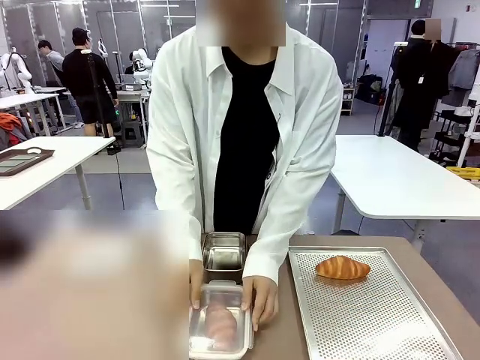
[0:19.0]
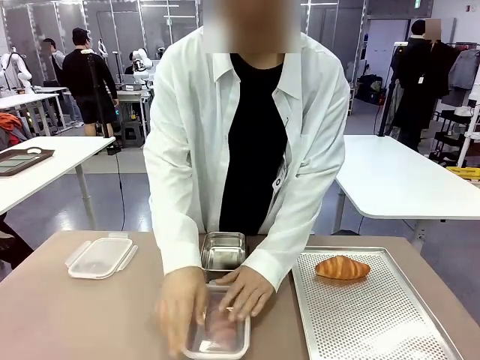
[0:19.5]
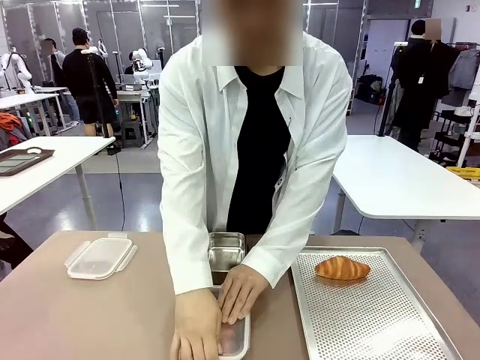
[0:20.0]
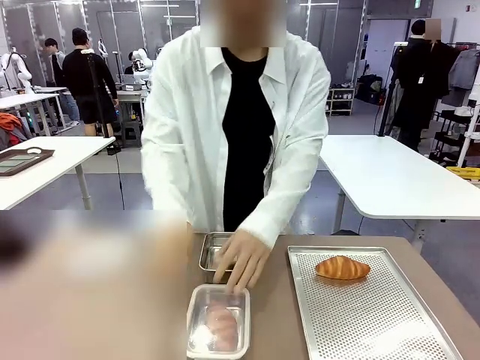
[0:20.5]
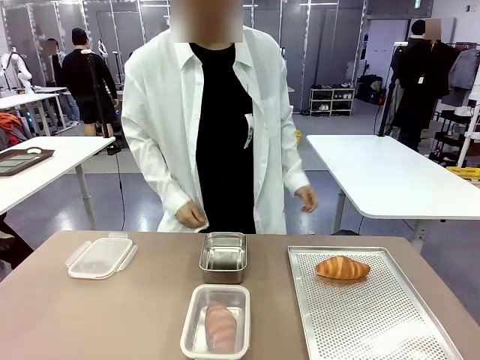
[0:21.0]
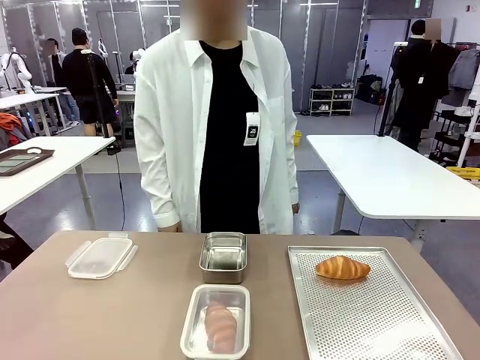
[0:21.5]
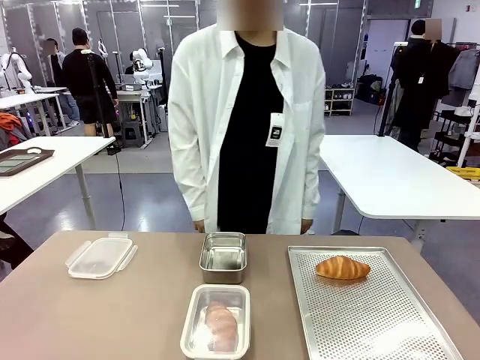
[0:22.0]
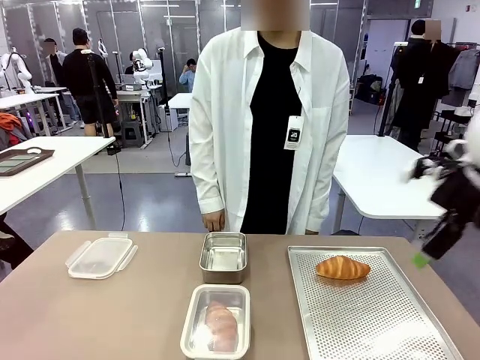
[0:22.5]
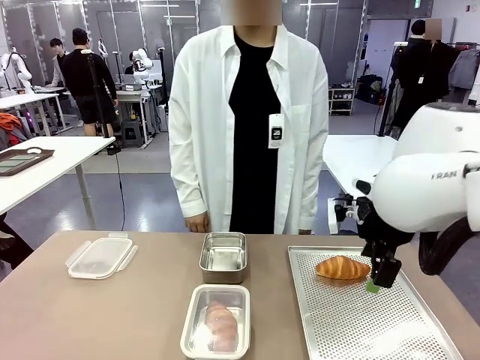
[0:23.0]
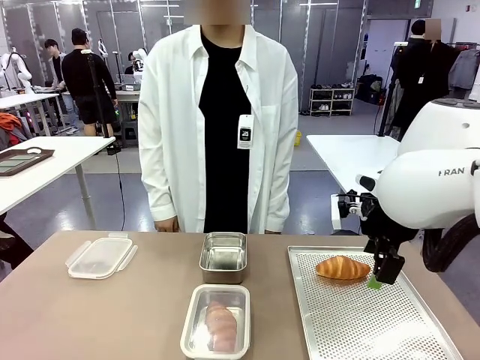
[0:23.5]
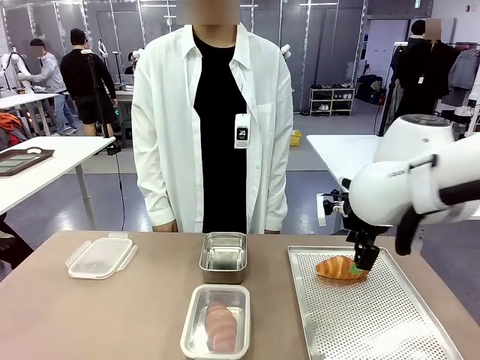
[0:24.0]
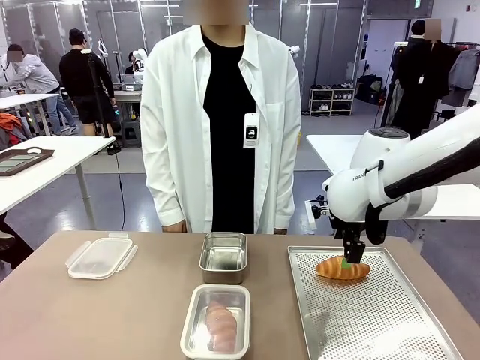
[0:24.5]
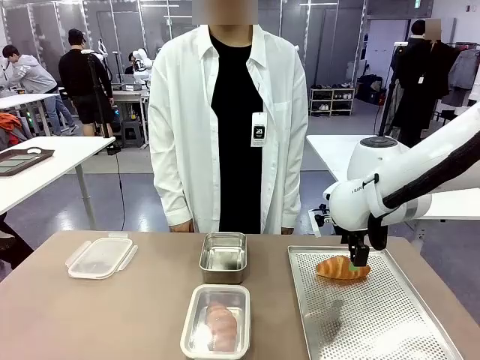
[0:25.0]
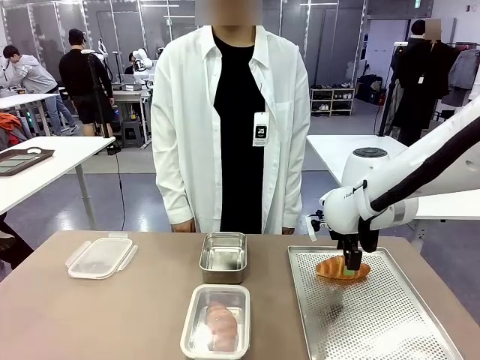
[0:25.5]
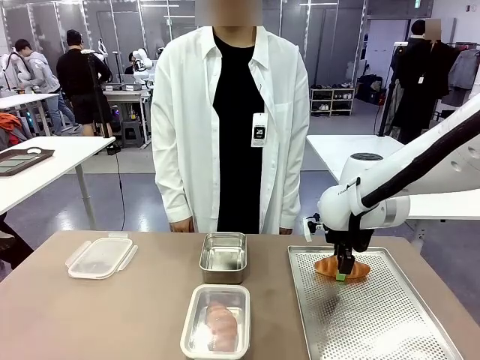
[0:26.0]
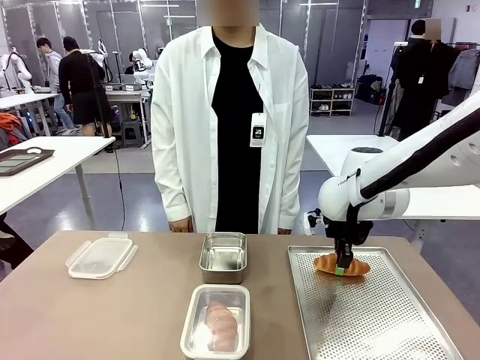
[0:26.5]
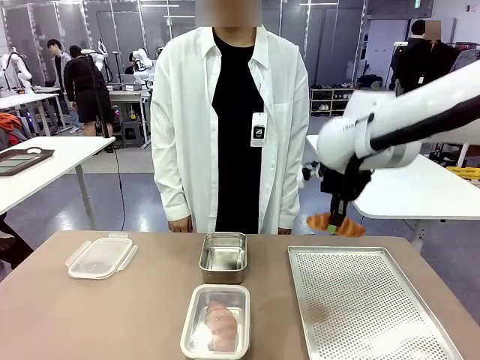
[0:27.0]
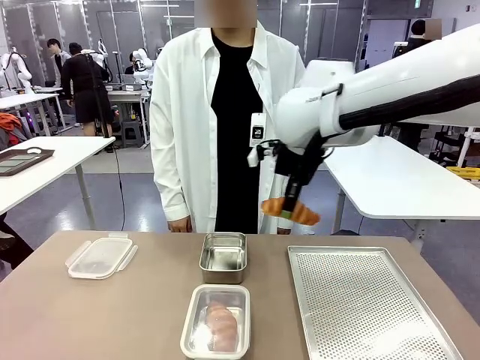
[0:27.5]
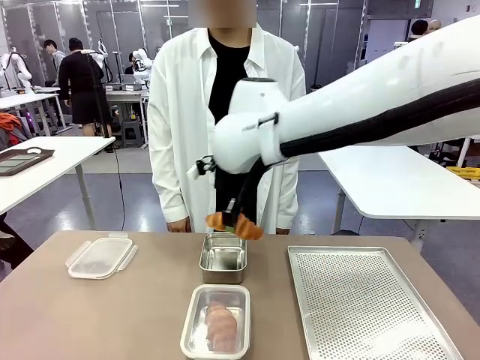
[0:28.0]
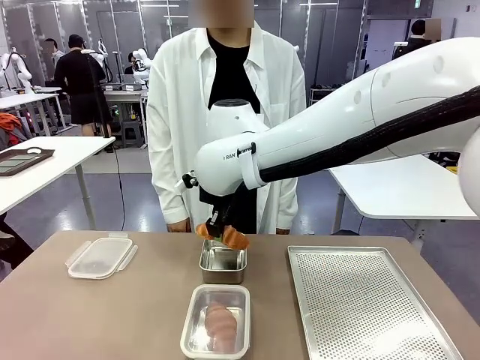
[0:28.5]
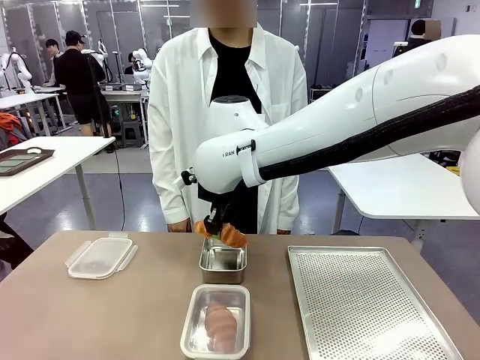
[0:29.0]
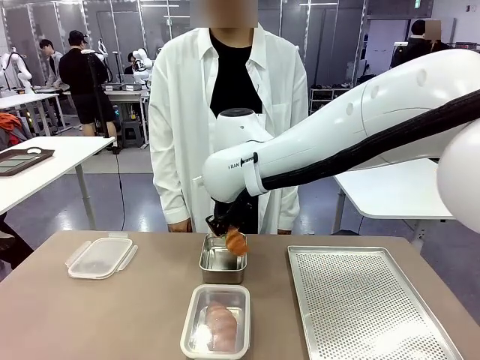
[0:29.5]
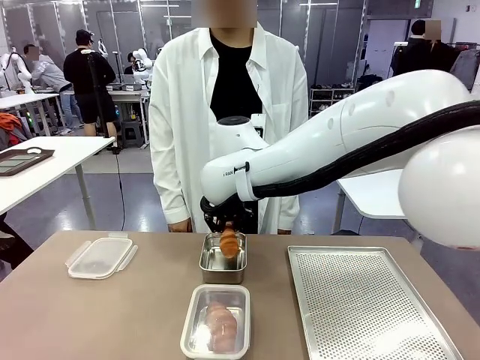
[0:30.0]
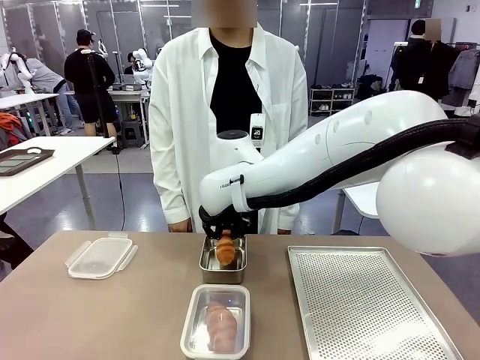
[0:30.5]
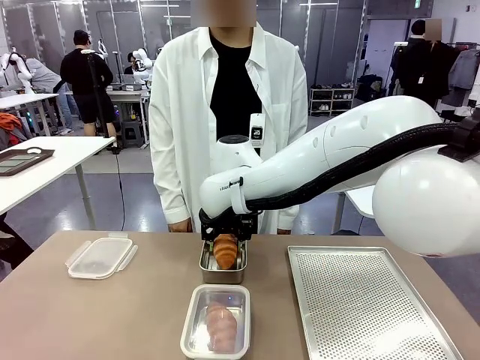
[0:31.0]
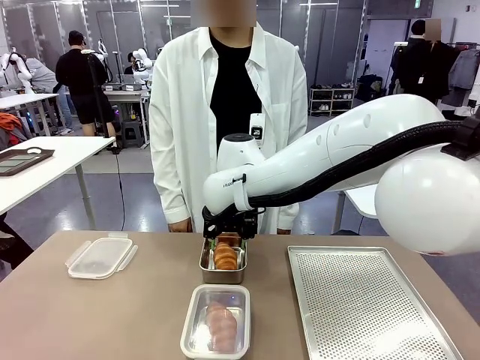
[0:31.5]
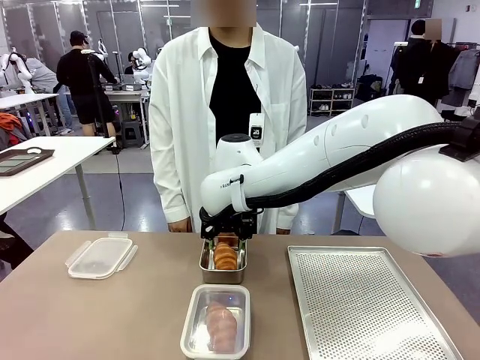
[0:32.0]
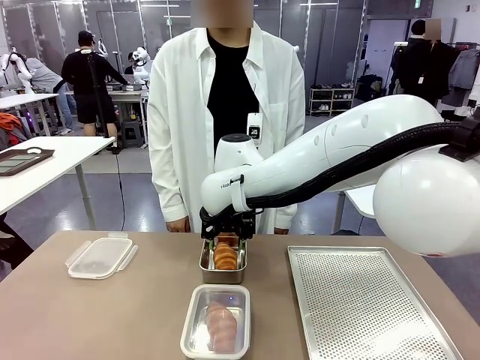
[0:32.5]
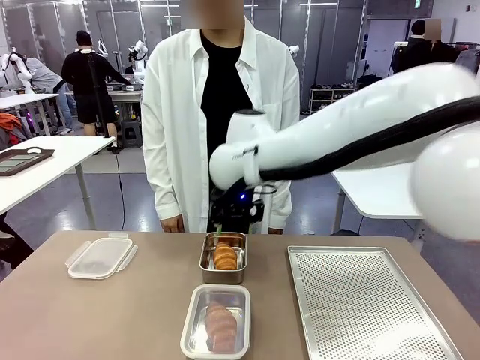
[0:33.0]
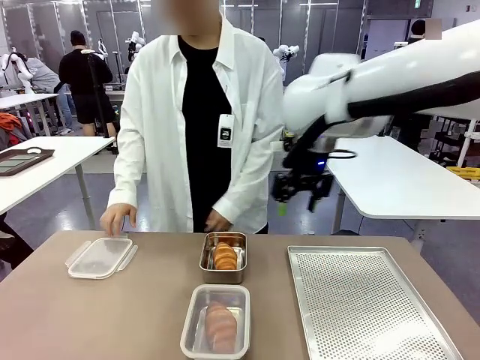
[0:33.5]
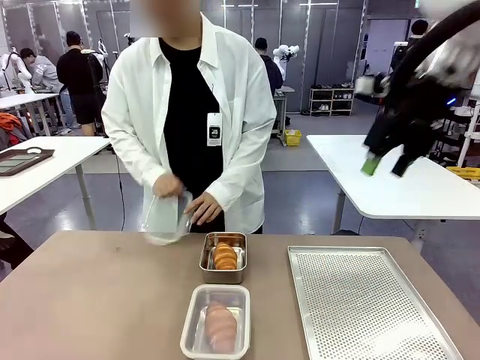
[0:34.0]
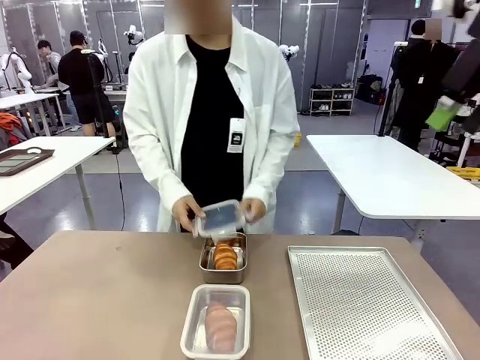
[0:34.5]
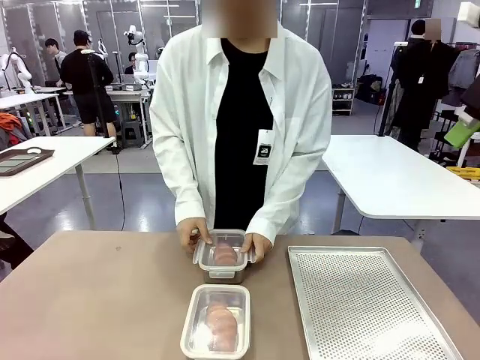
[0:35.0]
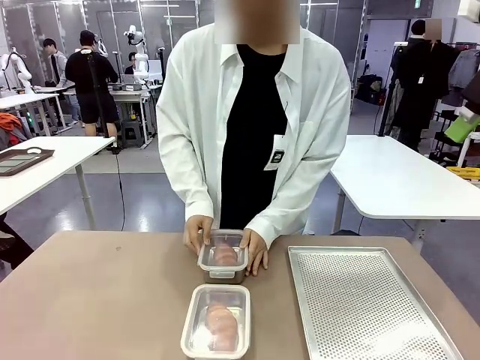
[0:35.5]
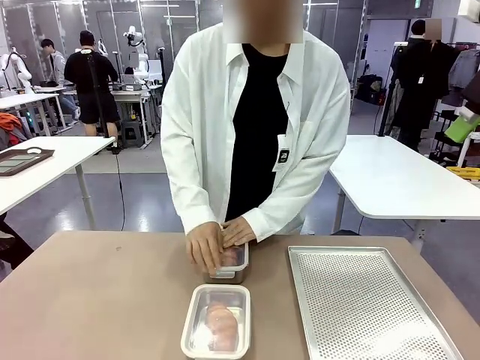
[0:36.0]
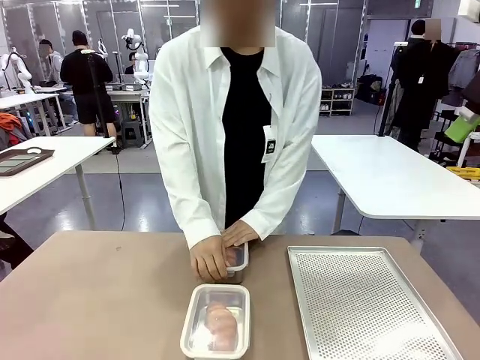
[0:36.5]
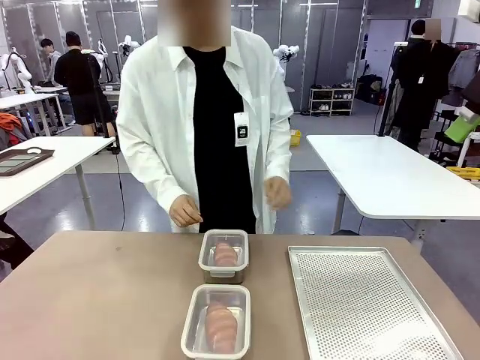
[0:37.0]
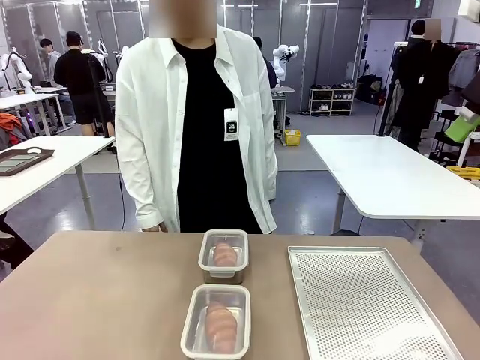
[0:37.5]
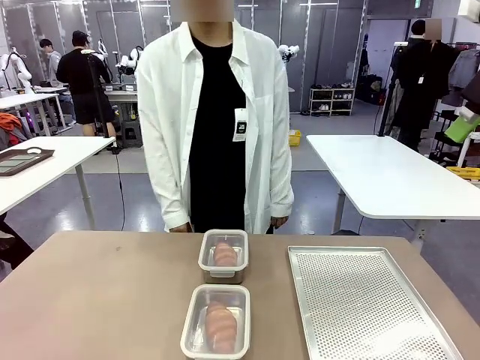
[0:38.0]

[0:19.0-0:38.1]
Task: Place the bread into the airtight container.
Robot: Pick up a Butter Roll and place it into an empty Airtight Container.
Person: Once a Butter Roll is inside an Airtight Container , close the lid of that Airtight Container.
